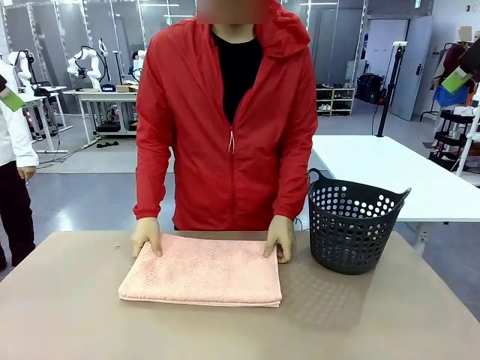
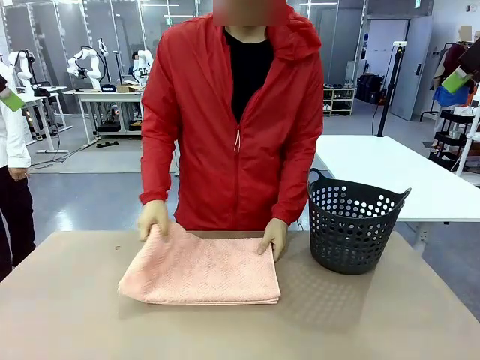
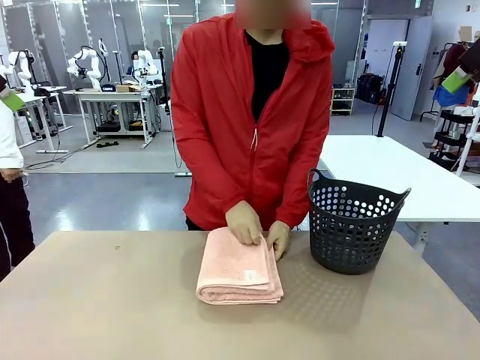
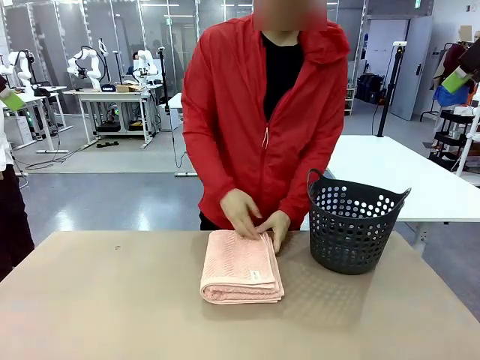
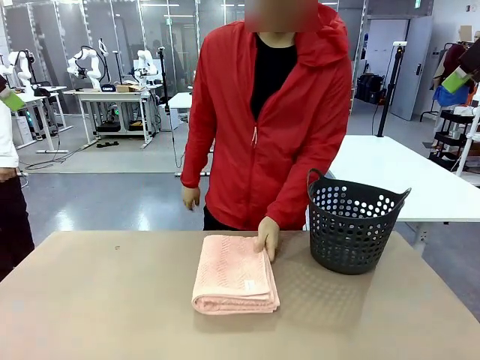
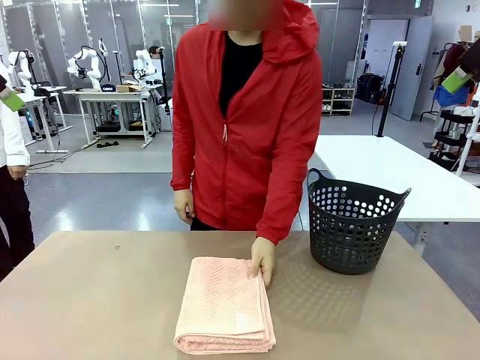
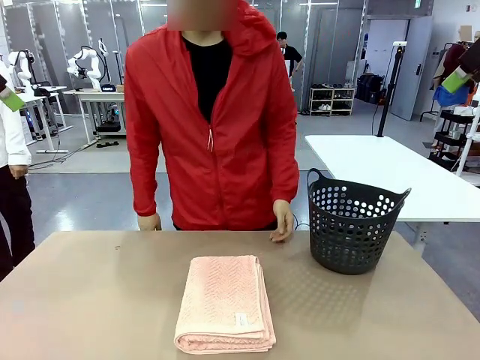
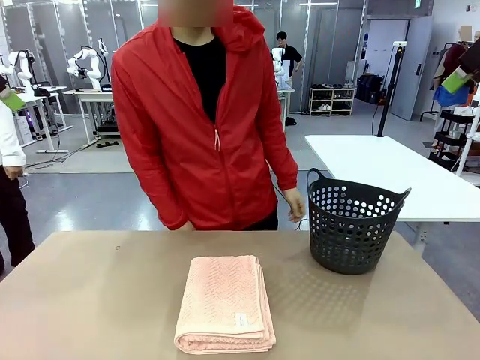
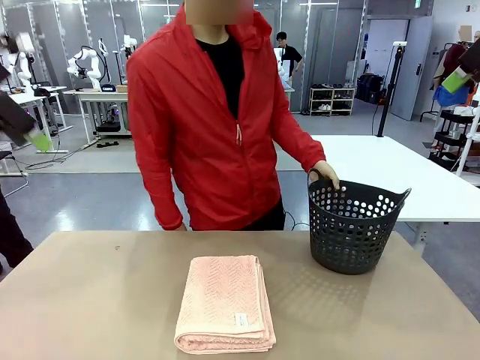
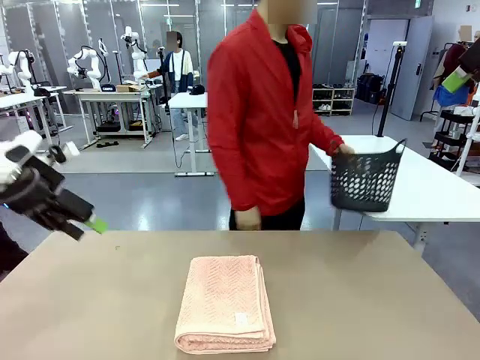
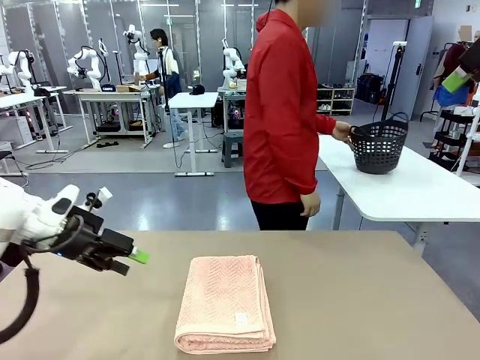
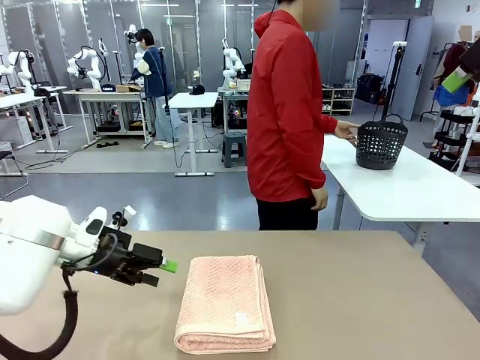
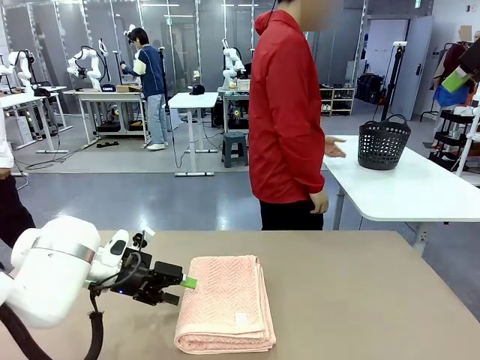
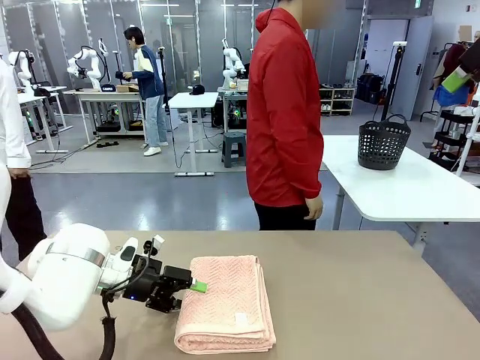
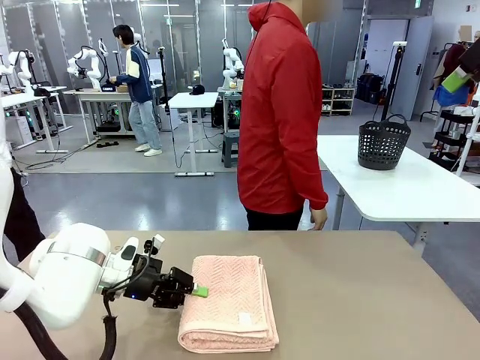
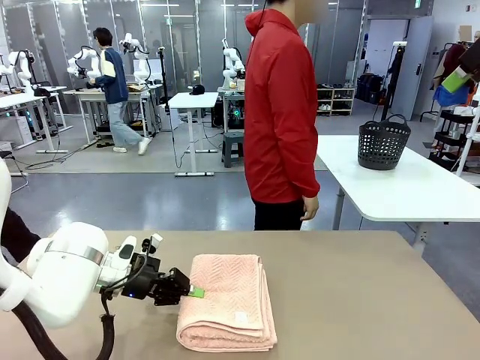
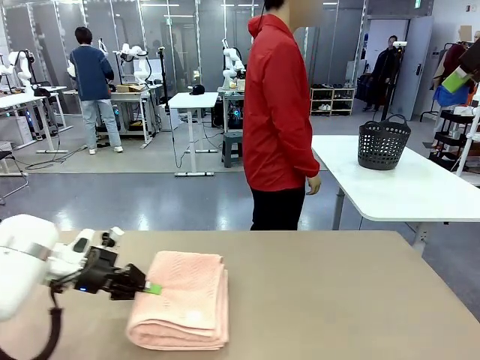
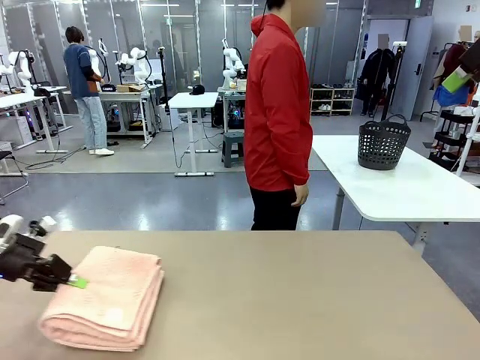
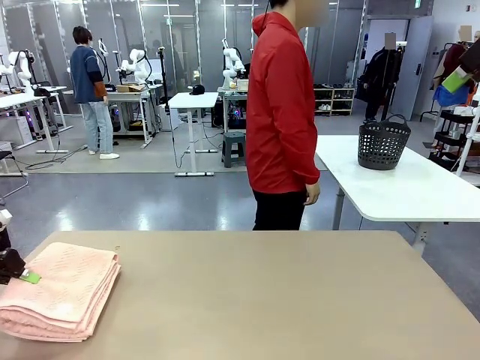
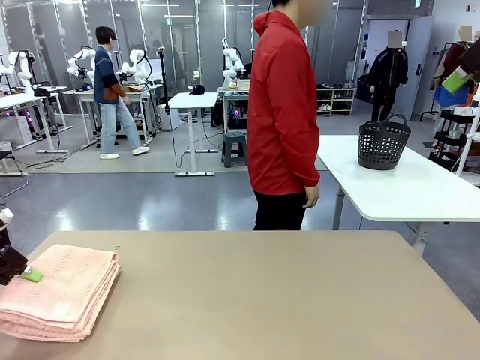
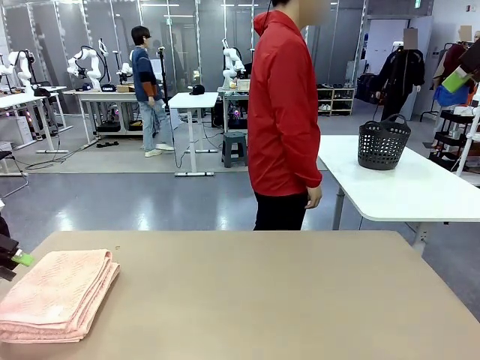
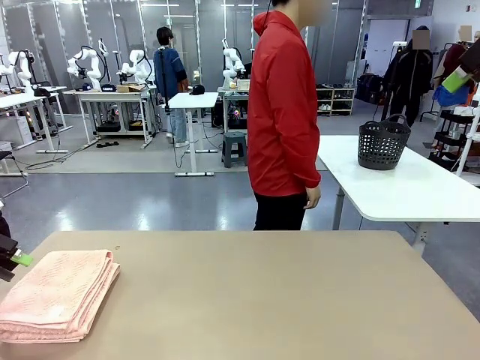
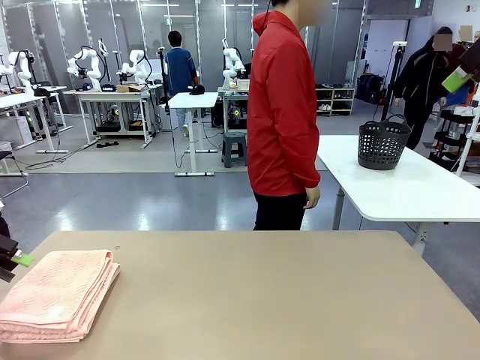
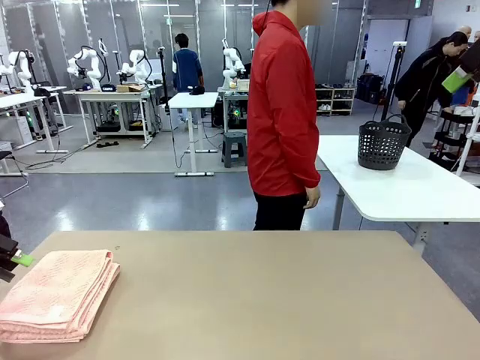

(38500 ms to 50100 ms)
Task: Fold the towel.
Robot: Pick up the 100 cm Hotel Towel and place it on the left side of the table.
Person: Place the towel at the center of the robot table and fold it in half. Pick up the laundry basket and place it at the center of the human table.

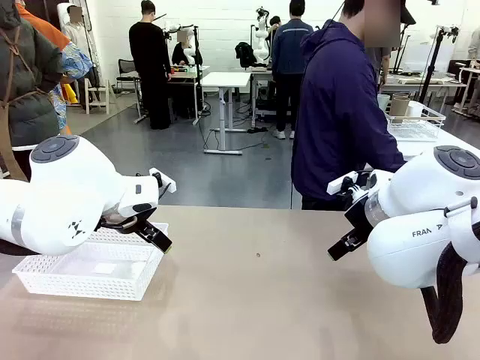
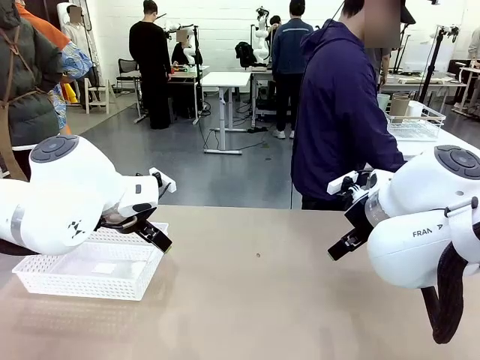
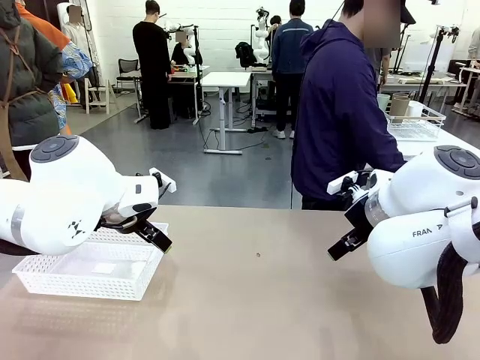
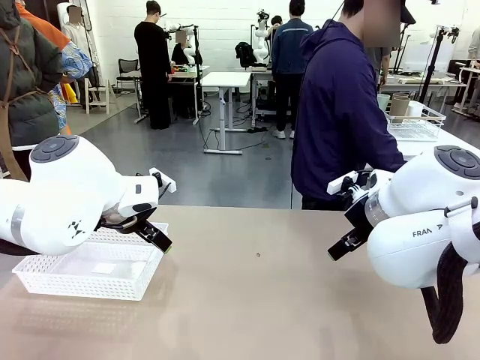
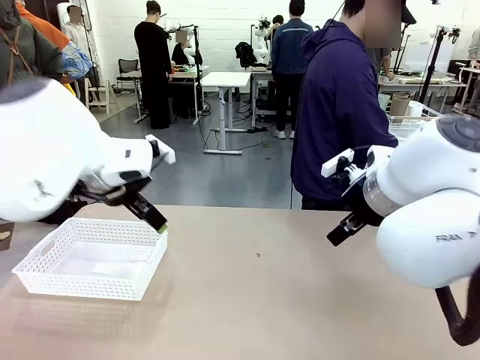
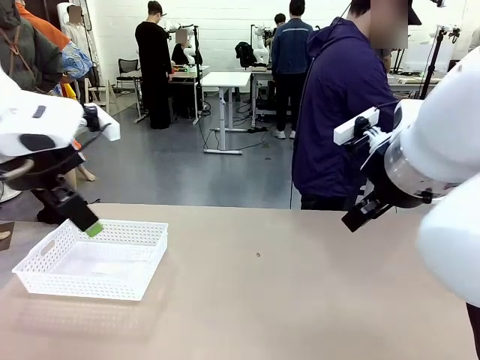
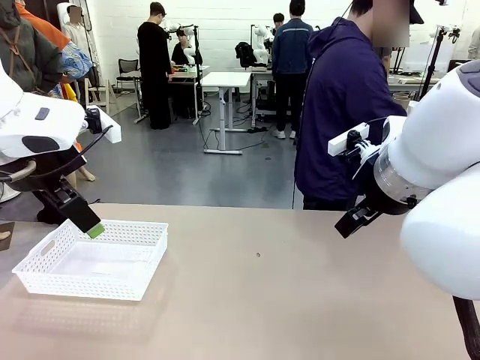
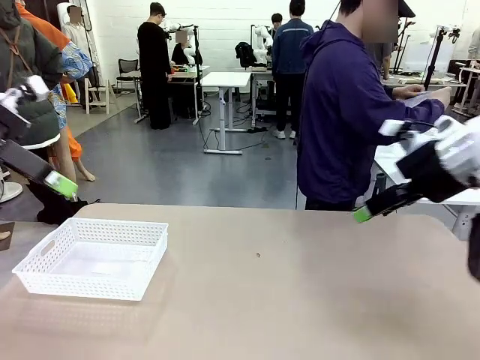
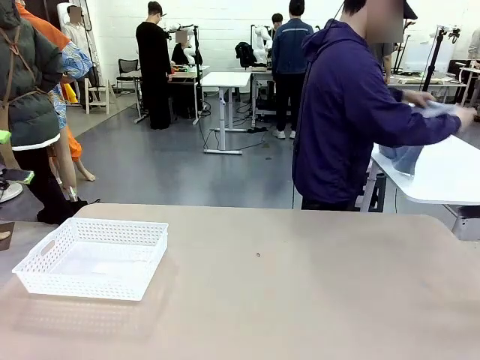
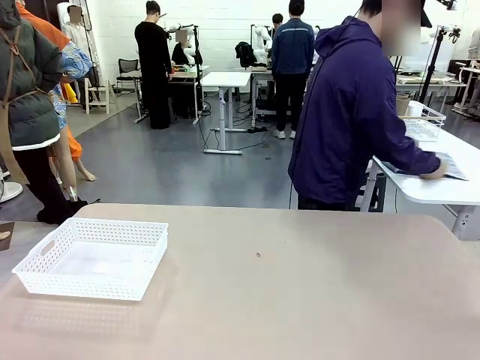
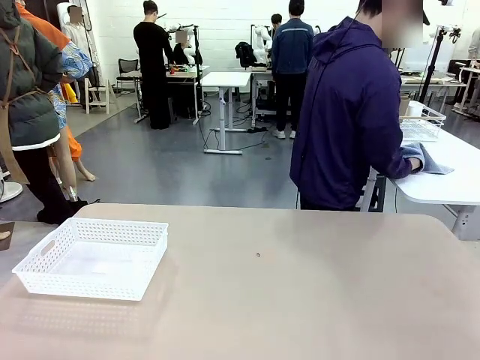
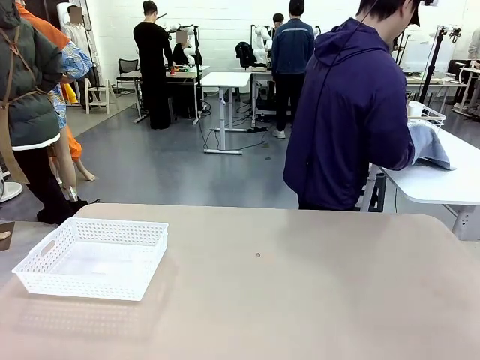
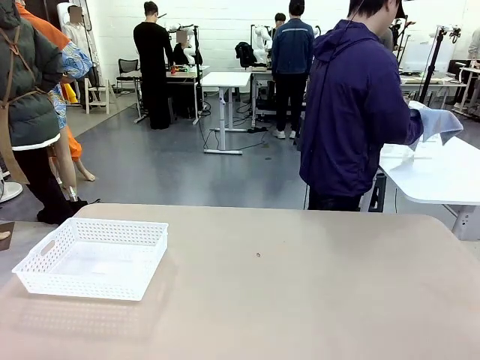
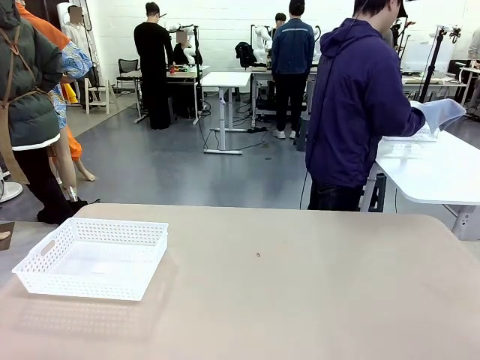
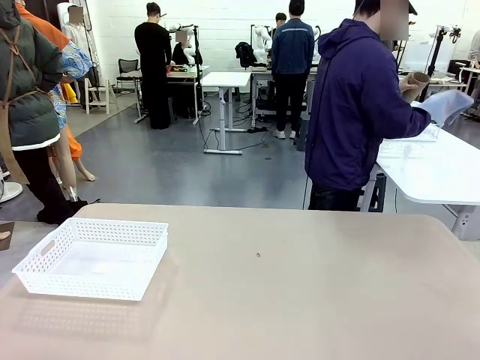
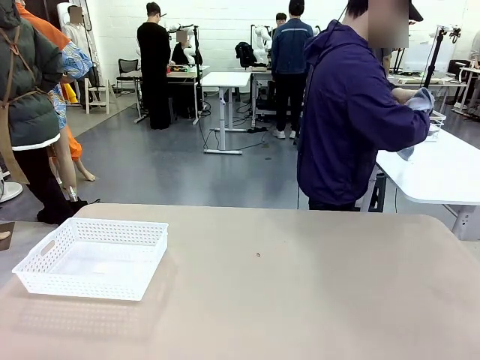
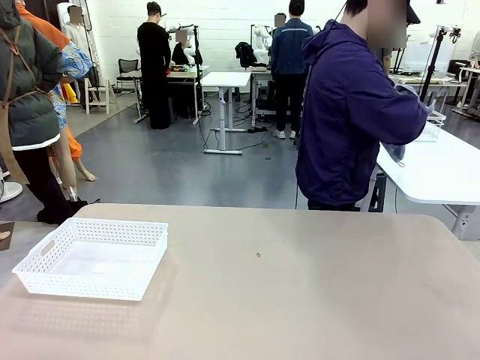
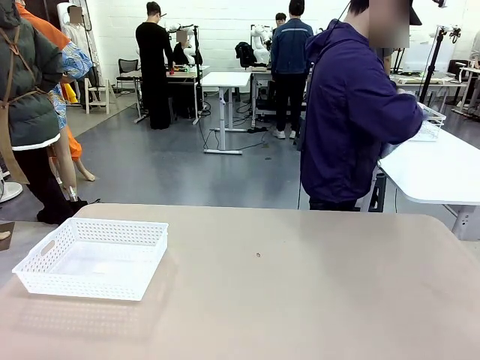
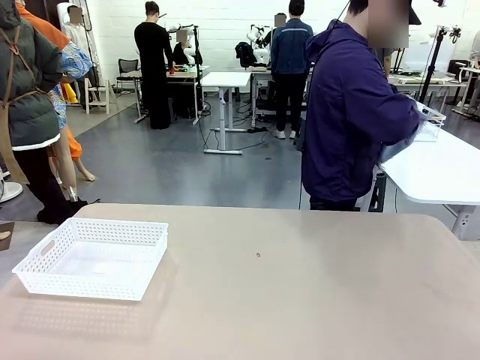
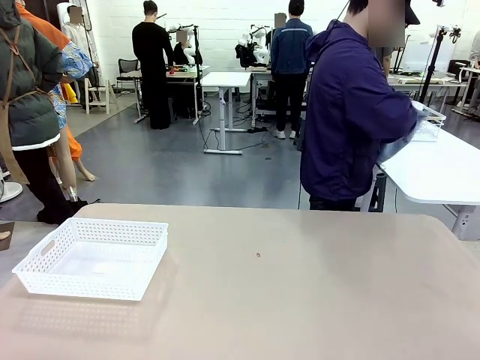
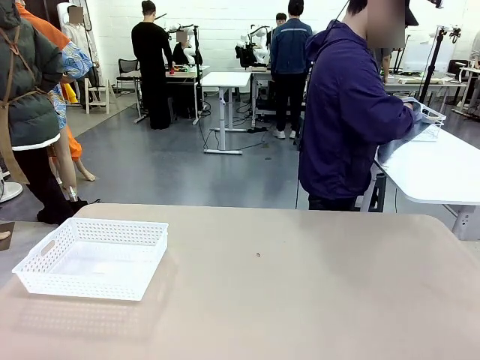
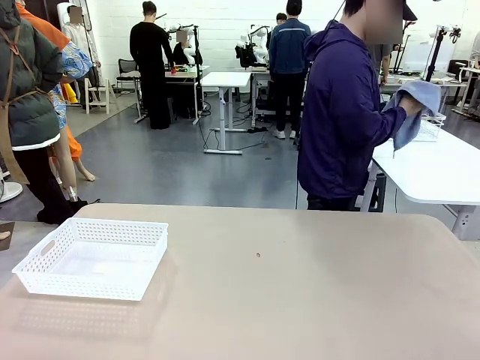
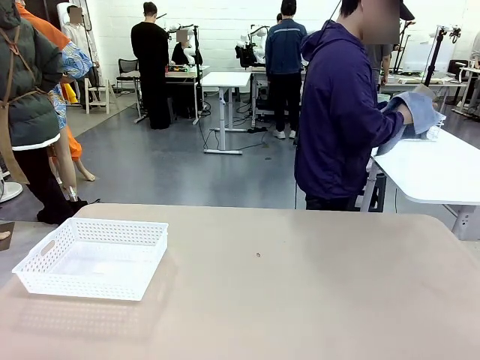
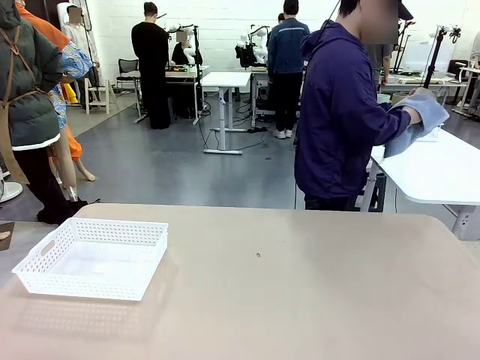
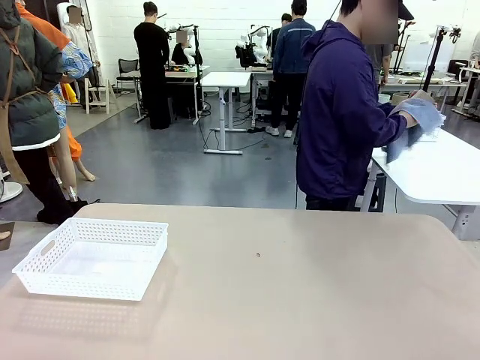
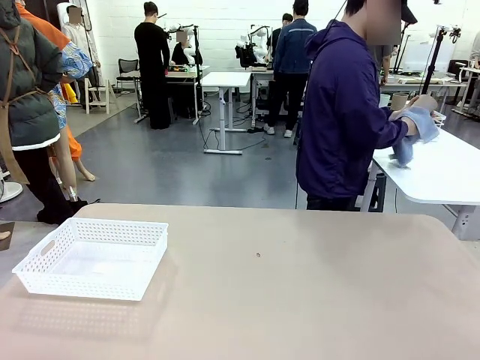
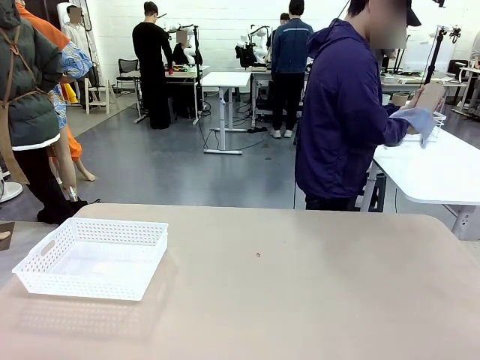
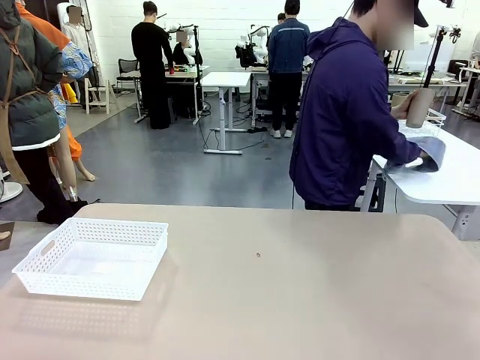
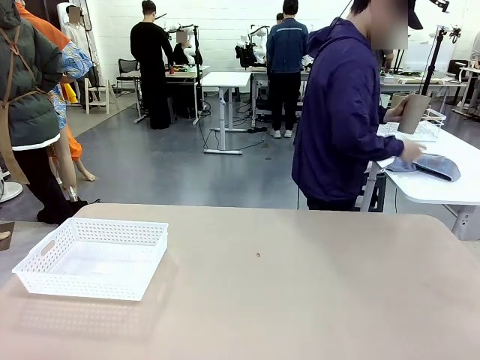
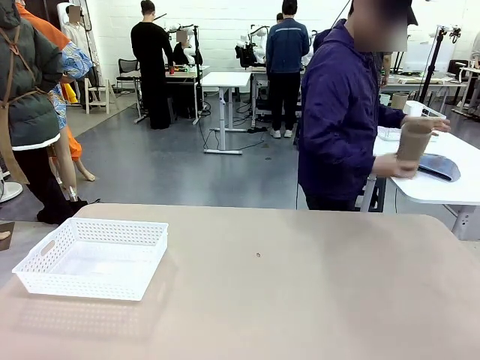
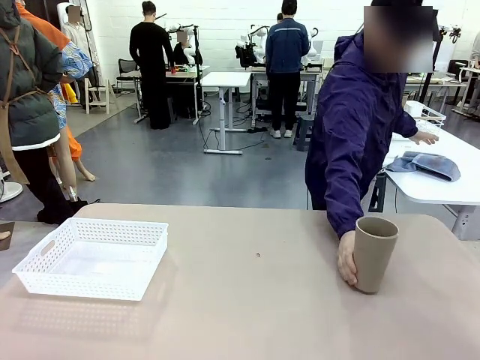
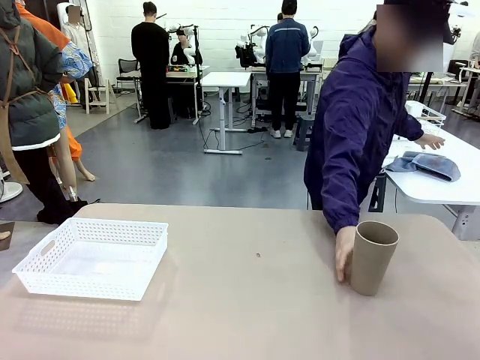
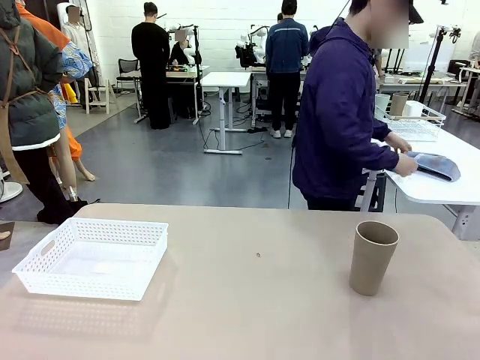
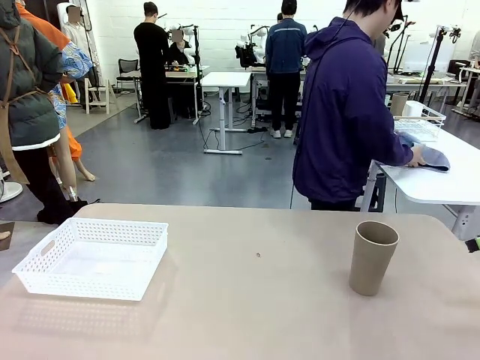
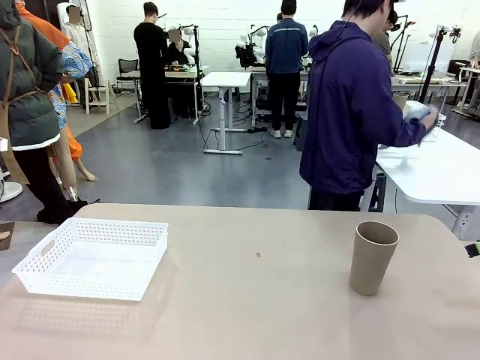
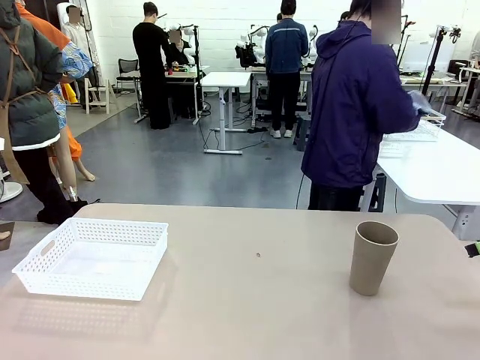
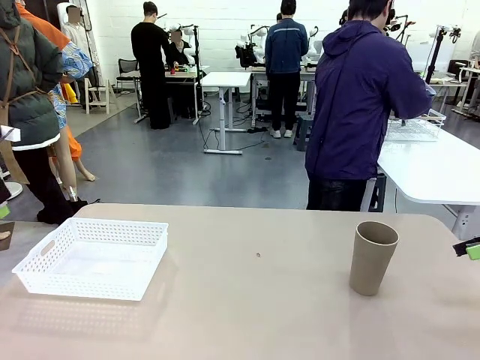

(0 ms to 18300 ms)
Task: Clean and organize the cups into the basket.
Robot: Pick up the Organizing basket and move it to the center of the table, then pick up the Reusable plastic cup from the right side of the table and place it inside the Organizing basket.
Person: Picks up a cup and a towel, cleans the cup with the towel, and places it on the left side of the robot table.
